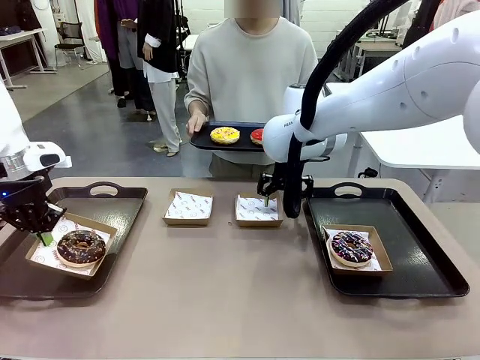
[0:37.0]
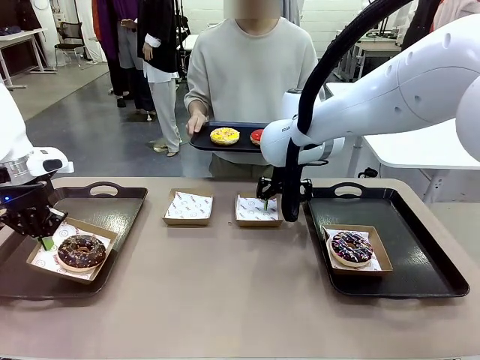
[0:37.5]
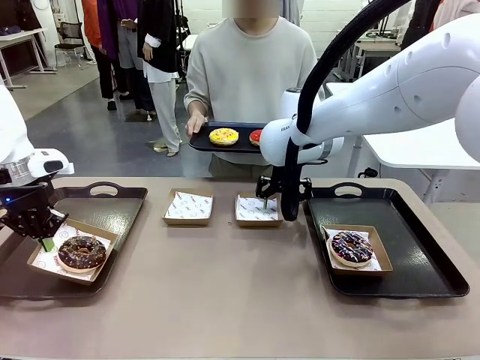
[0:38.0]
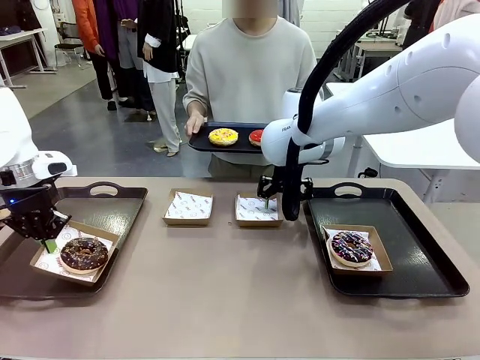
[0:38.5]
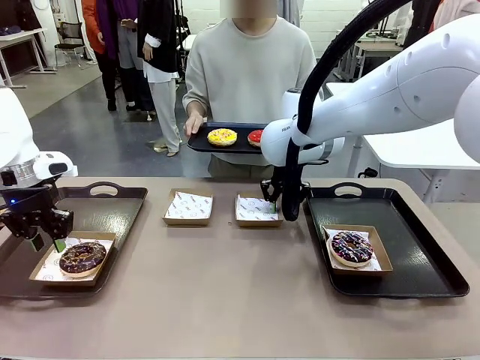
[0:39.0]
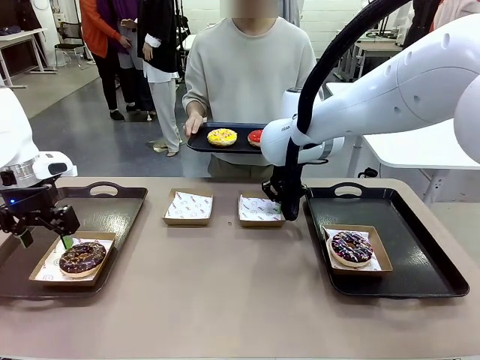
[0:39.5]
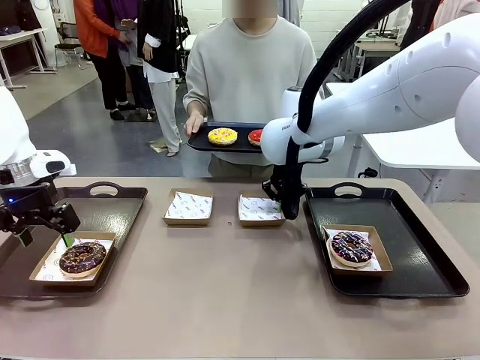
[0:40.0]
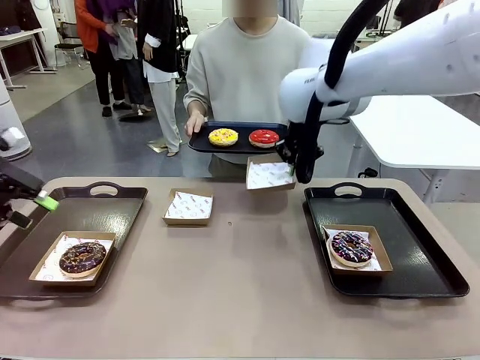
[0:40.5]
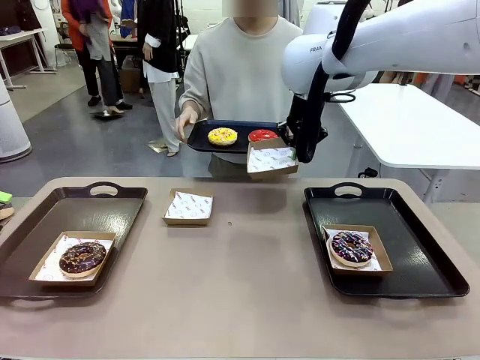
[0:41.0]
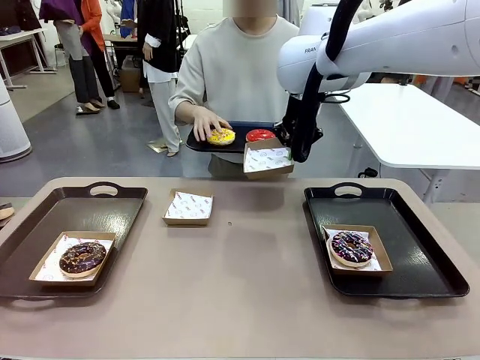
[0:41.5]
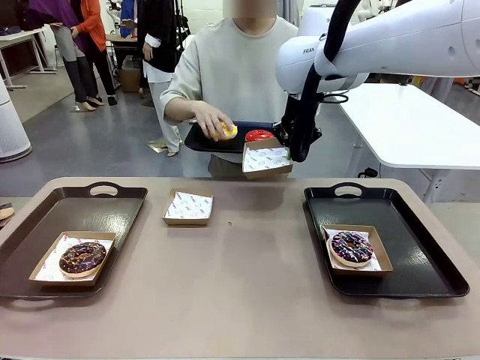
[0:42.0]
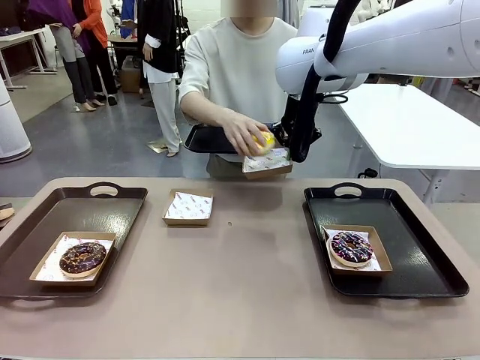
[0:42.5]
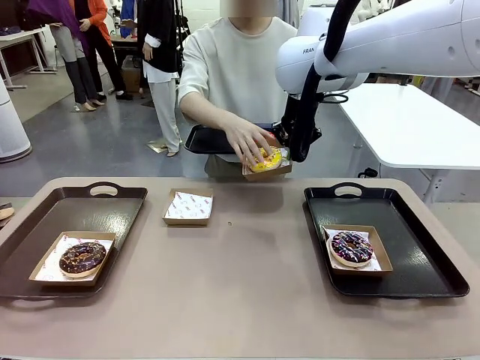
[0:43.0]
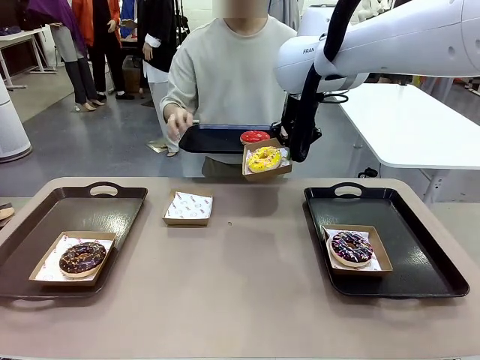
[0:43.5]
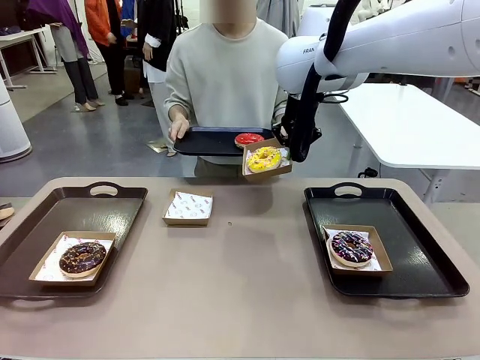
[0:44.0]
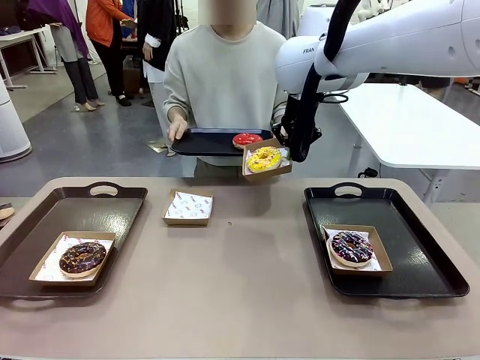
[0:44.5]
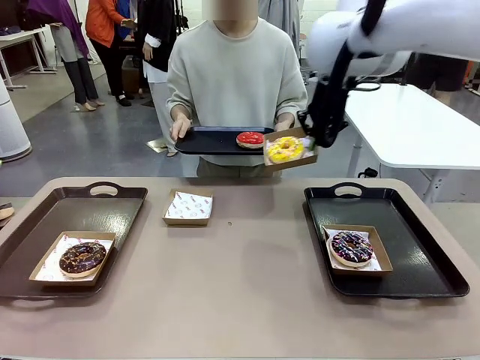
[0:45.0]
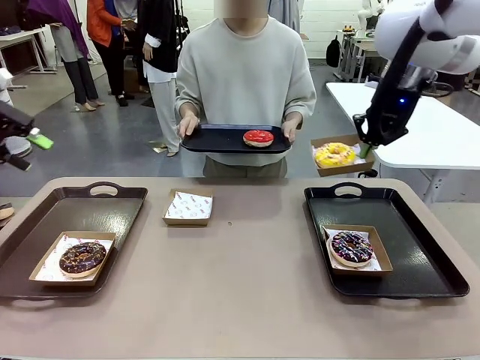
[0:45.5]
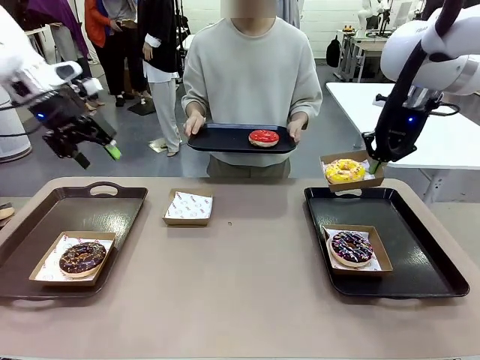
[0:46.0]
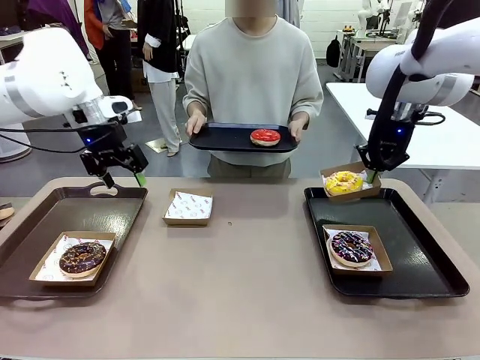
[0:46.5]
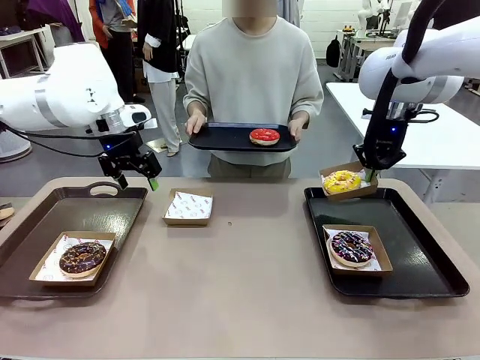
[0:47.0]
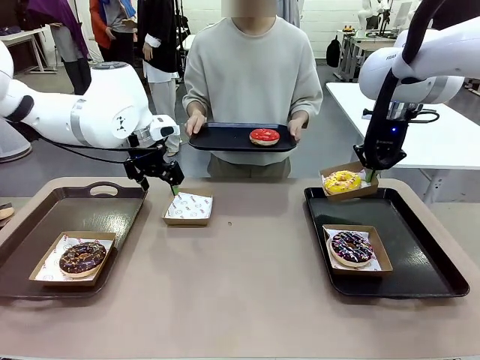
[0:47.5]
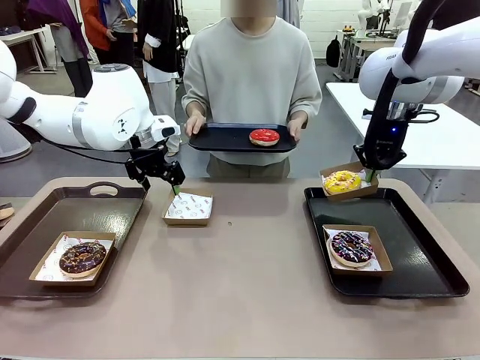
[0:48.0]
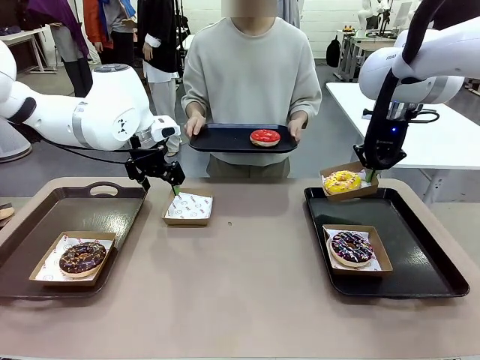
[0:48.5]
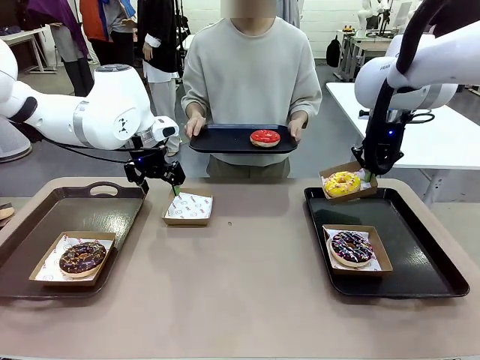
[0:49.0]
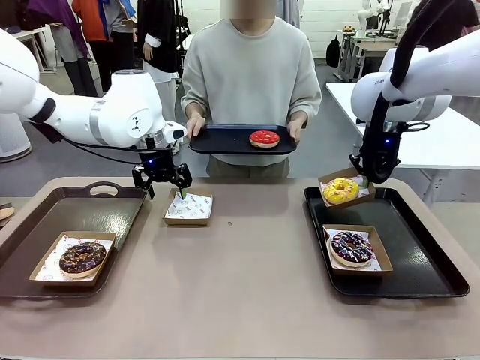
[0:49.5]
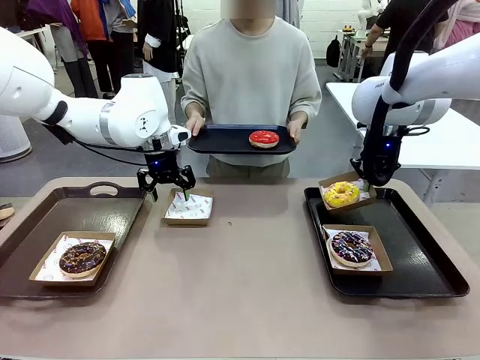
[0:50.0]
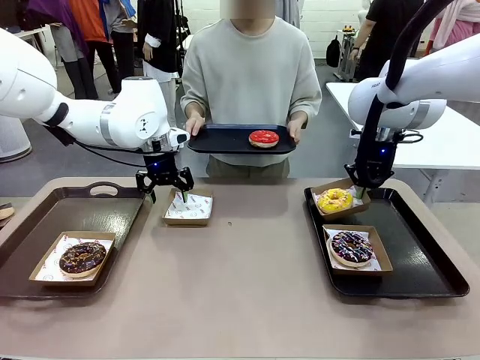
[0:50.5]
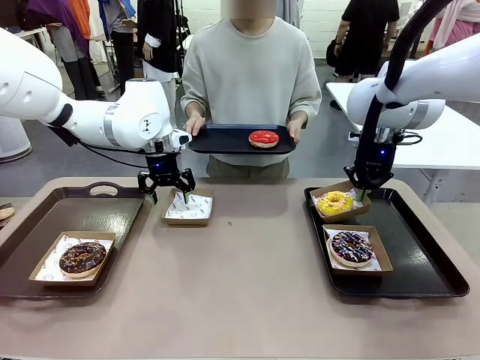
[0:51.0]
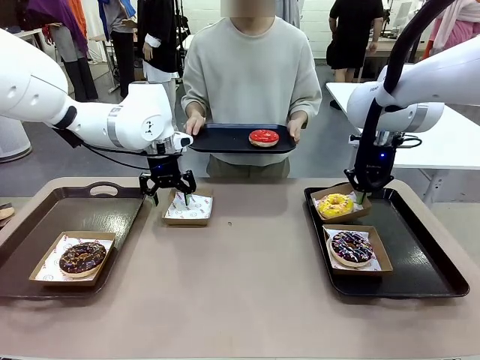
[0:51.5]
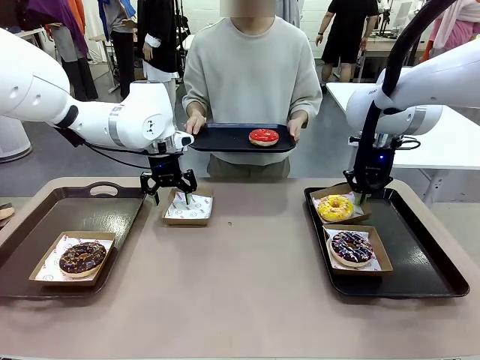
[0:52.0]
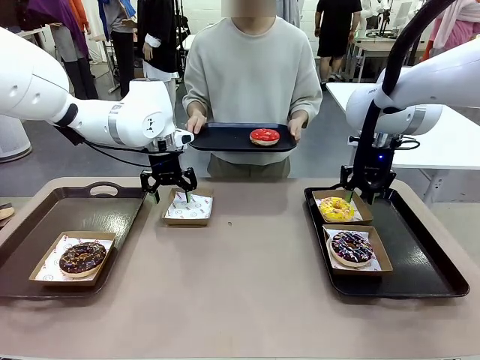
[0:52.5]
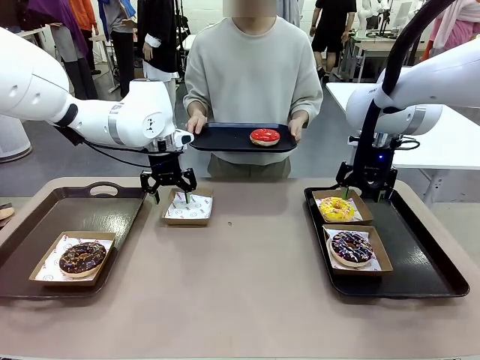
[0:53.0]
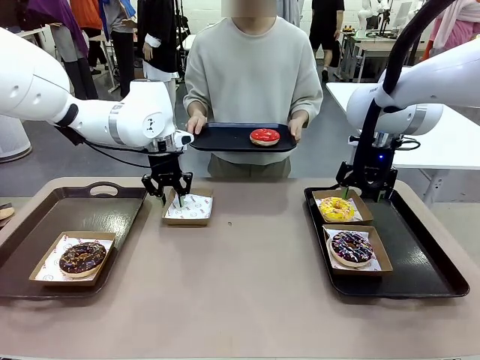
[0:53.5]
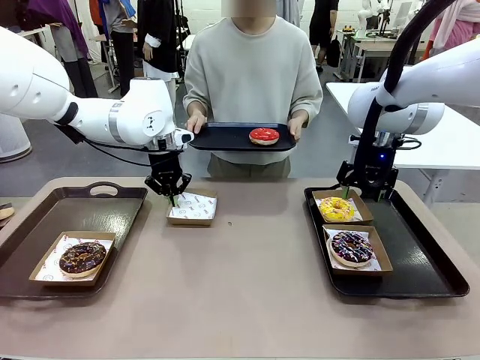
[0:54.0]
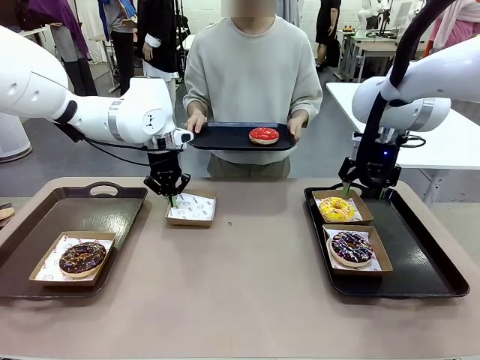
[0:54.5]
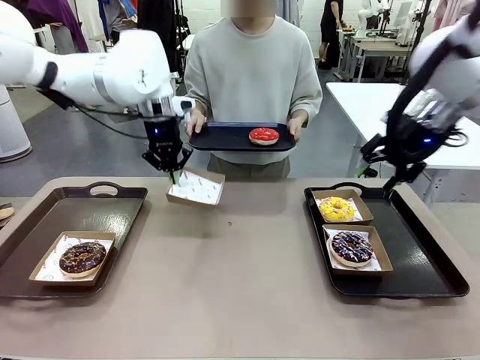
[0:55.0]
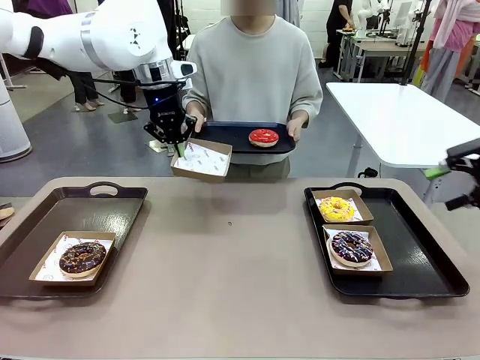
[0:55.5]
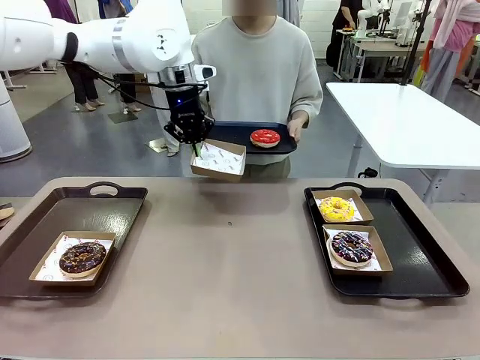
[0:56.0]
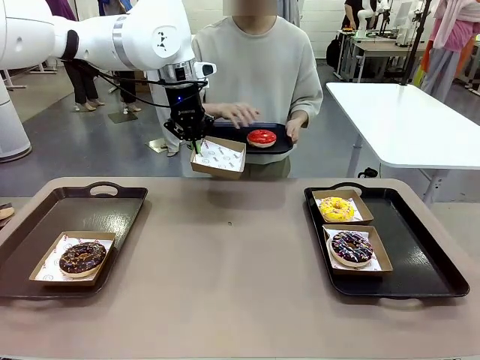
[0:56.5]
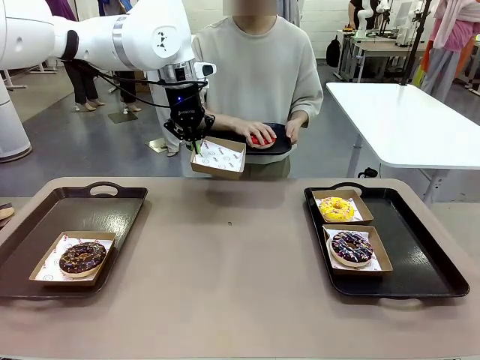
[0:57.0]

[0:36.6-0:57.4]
Task: Individually package the donuts and arrange them on the tray.
Robot: Place the picked Paper togo box on the Handle tray while simultaneously picking up another Paper togo box from the table with the other hand.

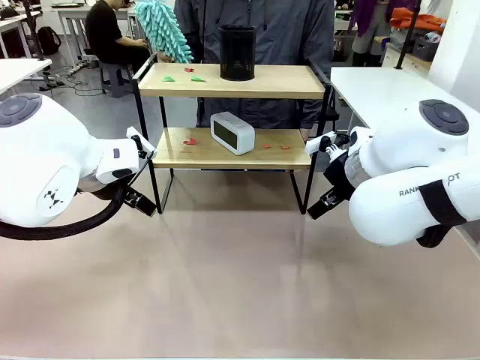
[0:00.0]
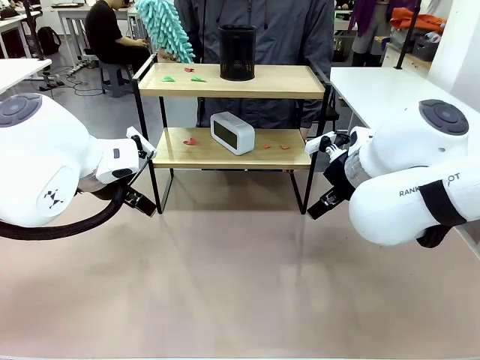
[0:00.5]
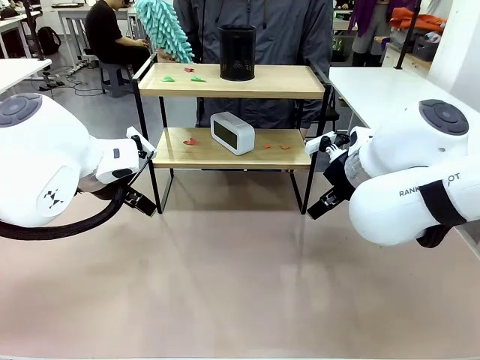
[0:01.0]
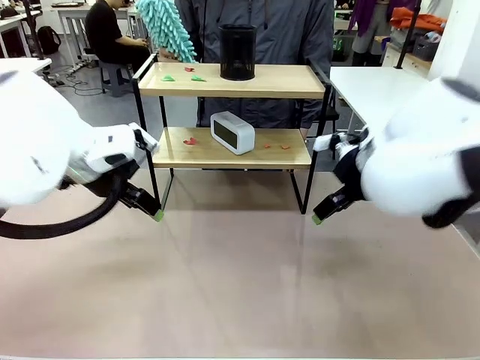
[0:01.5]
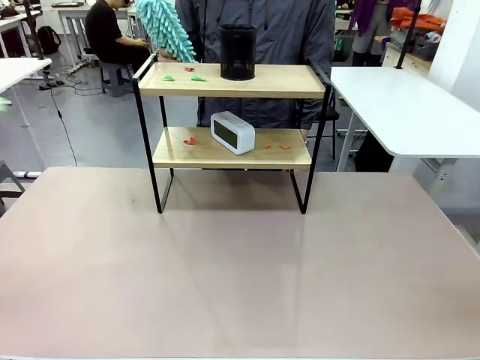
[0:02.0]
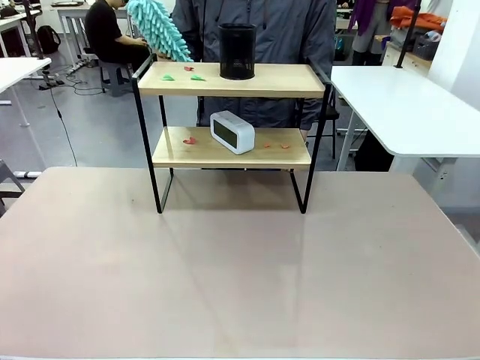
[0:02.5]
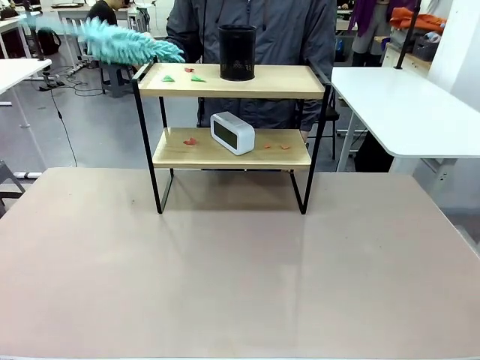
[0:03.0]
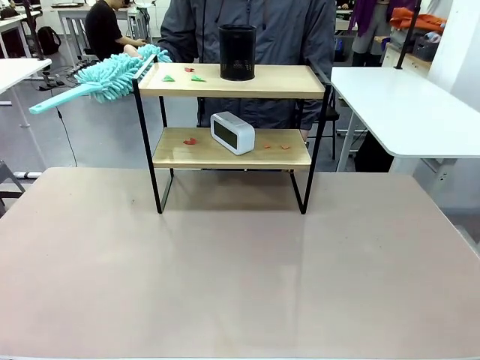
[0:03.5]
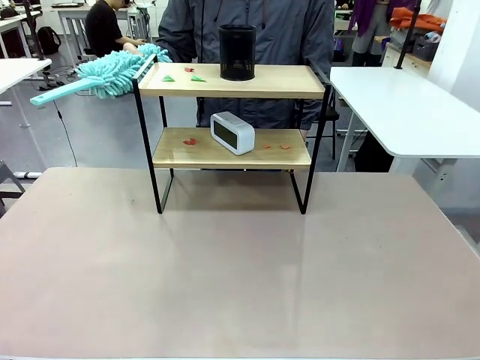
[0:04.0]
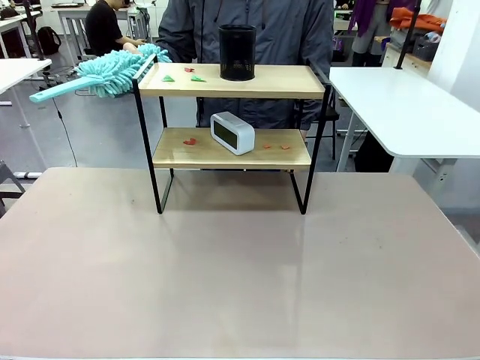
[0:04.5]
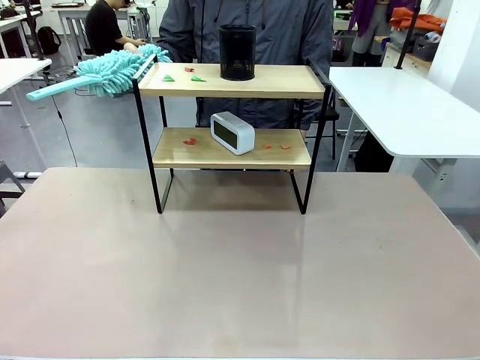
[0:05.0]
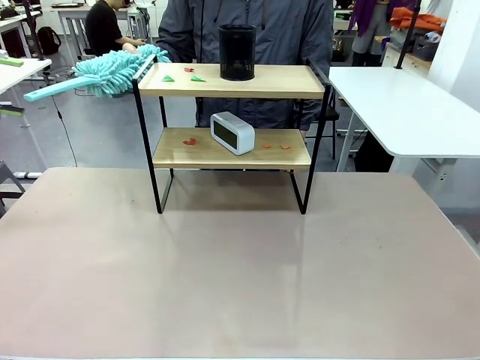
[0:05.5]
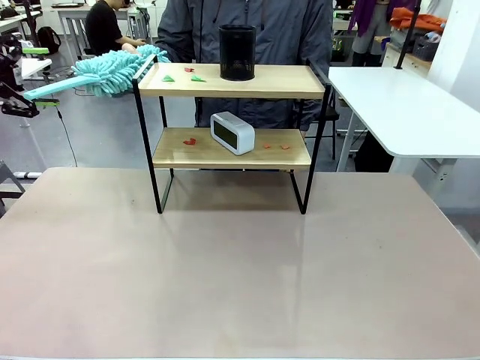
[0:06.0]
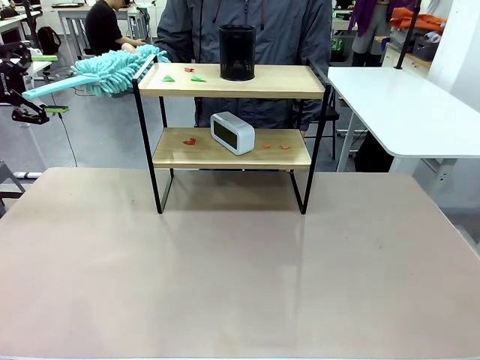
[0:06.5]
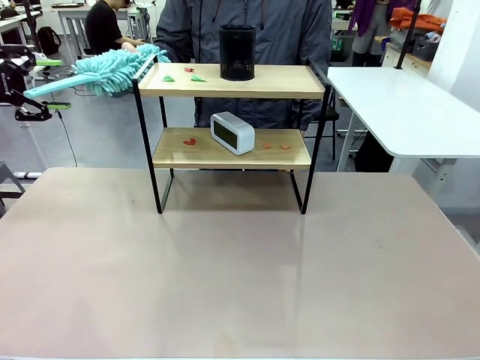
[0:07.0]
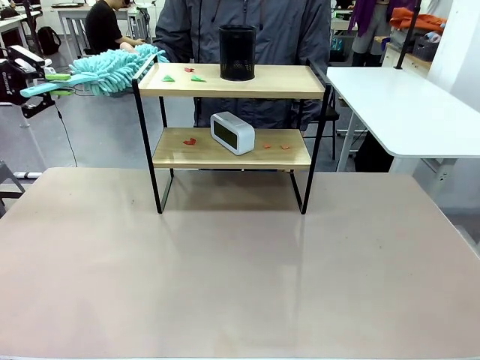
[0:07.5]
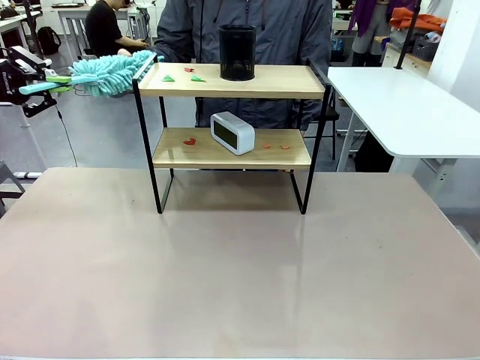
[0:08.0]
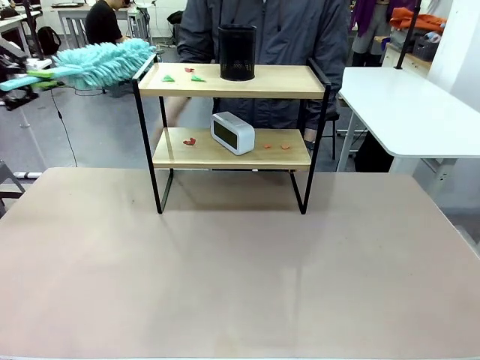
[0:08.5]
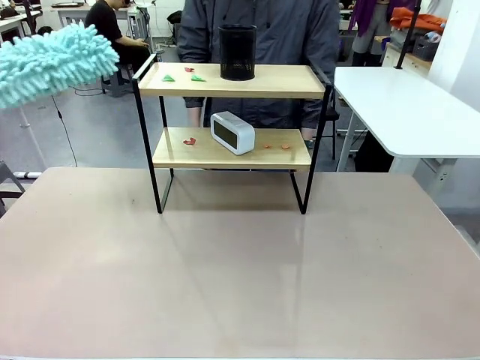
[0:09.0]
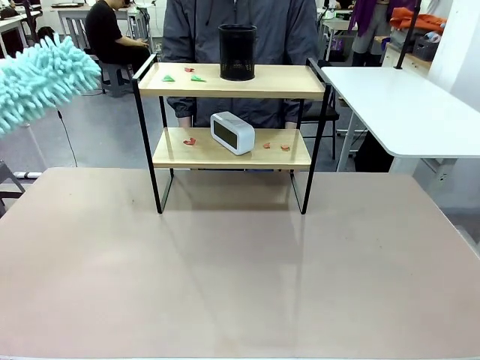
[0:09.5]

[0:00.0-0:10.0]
Task: Clean the shelf.
Robot: Pick up the Duster from the human.
Person: Hand the Duster to the robot.
